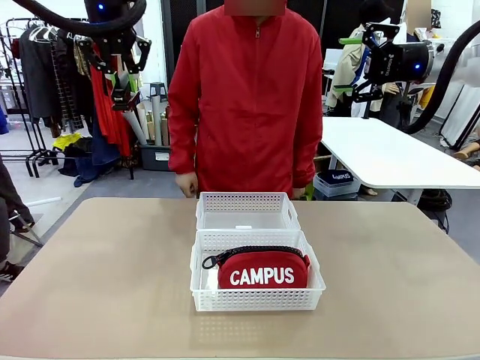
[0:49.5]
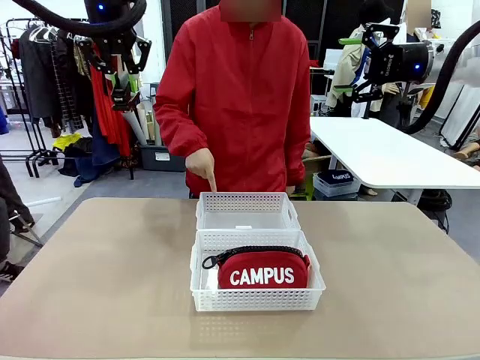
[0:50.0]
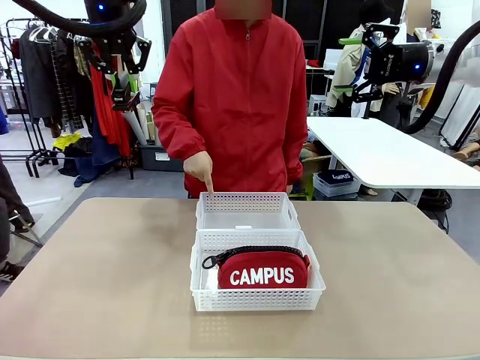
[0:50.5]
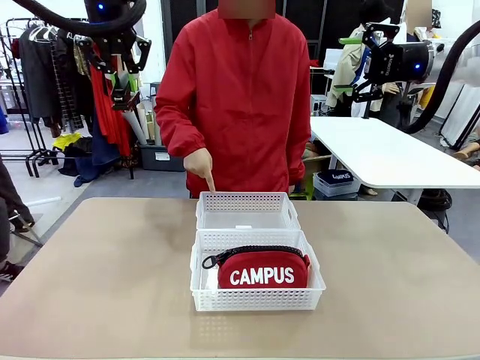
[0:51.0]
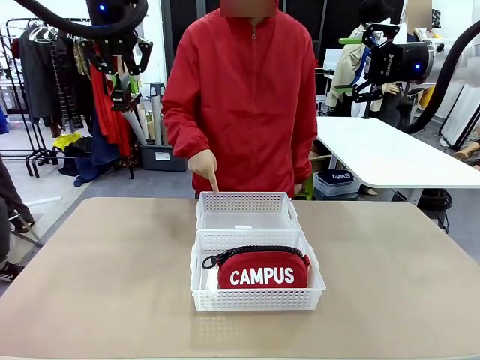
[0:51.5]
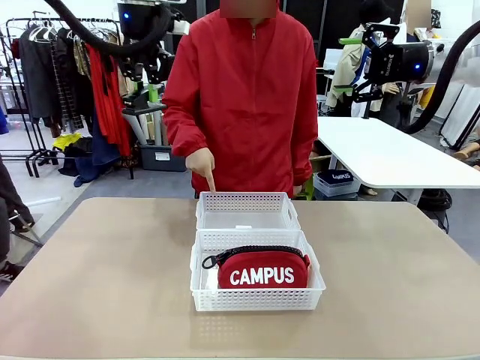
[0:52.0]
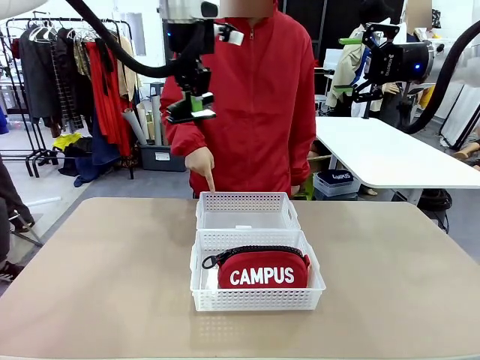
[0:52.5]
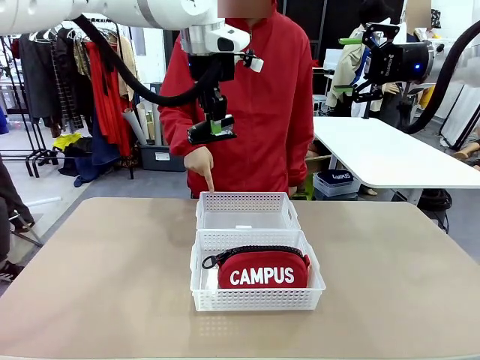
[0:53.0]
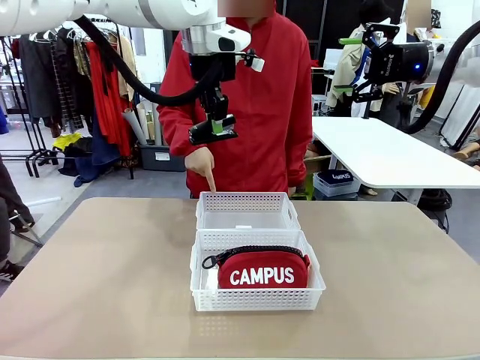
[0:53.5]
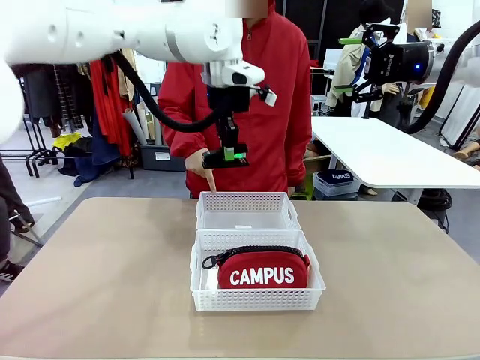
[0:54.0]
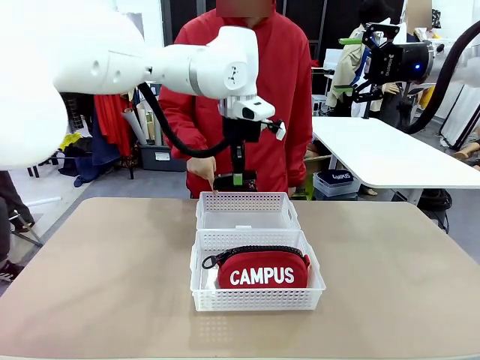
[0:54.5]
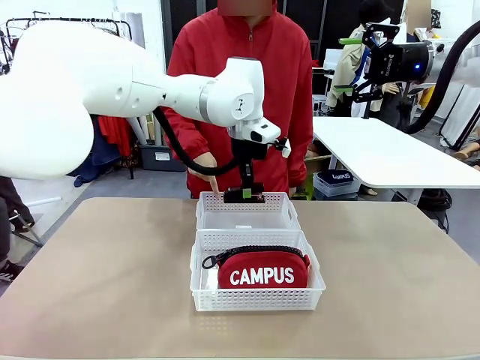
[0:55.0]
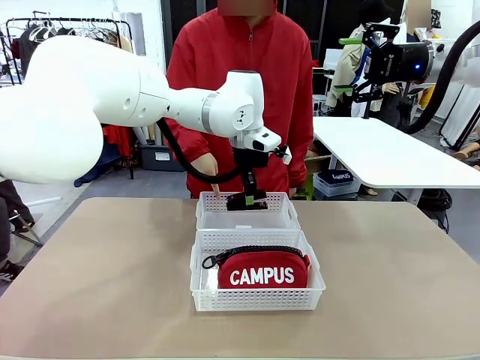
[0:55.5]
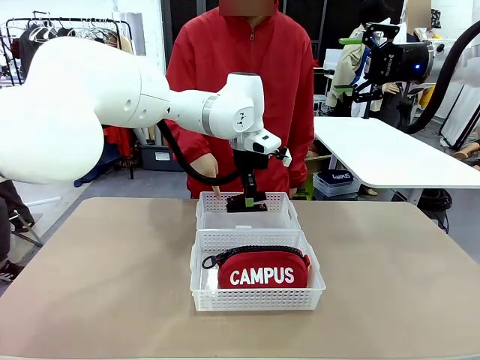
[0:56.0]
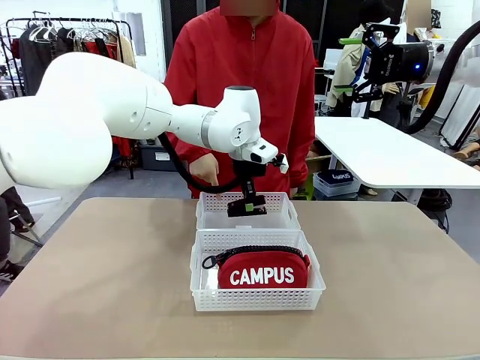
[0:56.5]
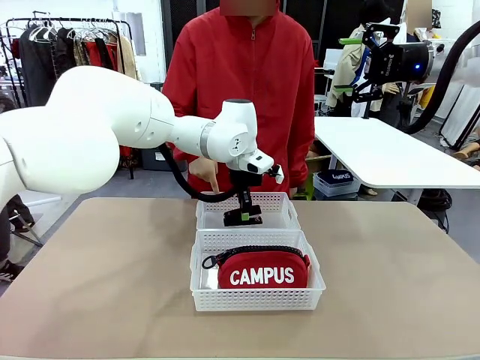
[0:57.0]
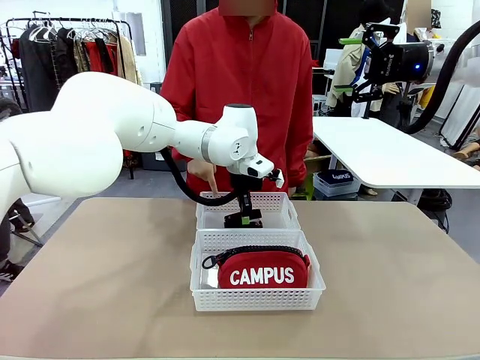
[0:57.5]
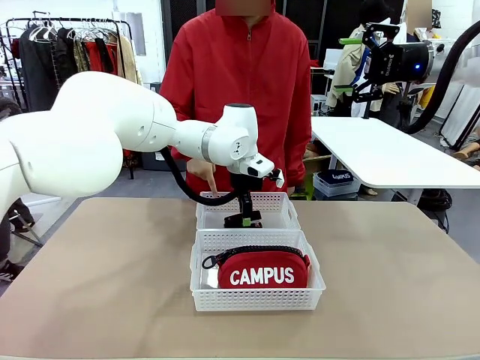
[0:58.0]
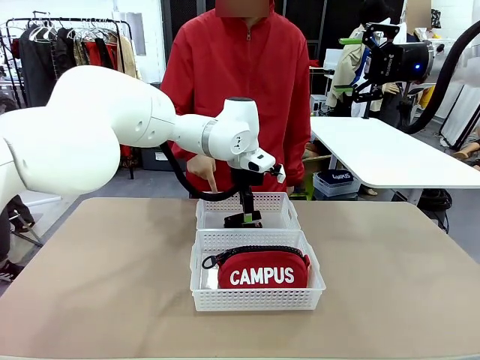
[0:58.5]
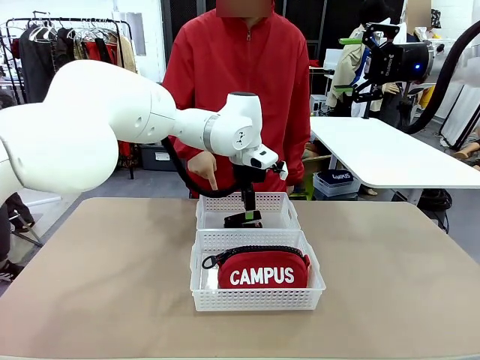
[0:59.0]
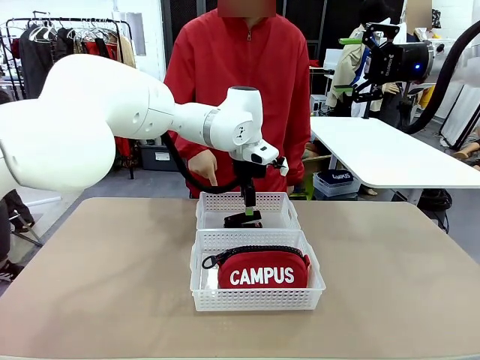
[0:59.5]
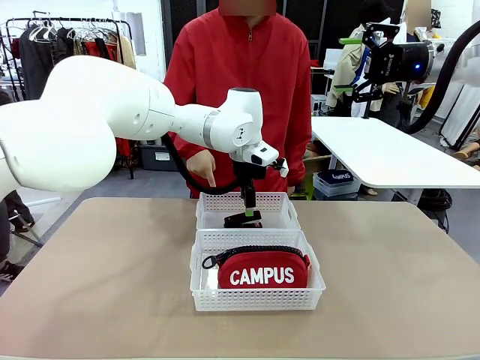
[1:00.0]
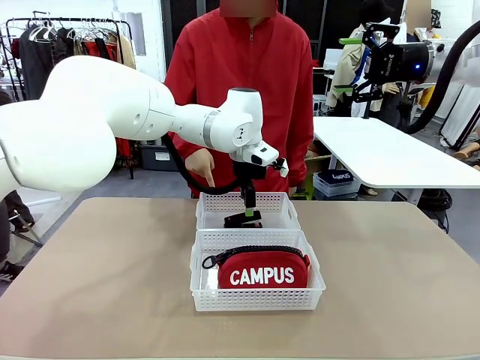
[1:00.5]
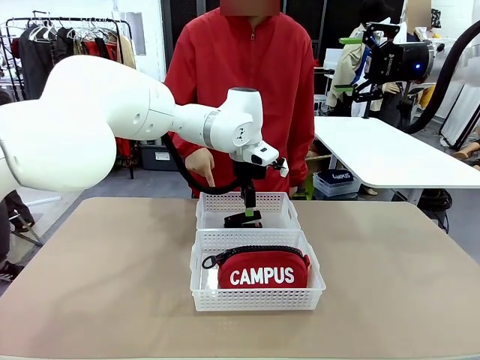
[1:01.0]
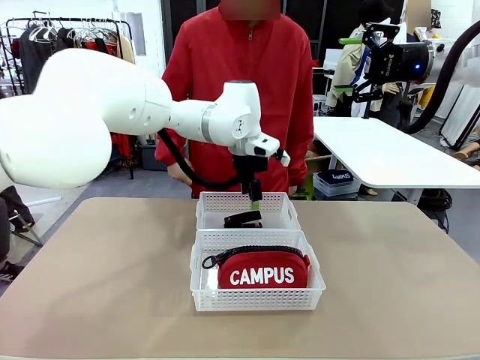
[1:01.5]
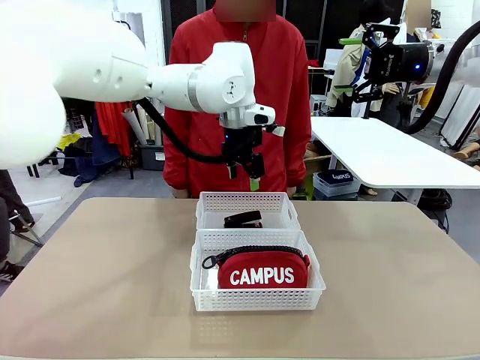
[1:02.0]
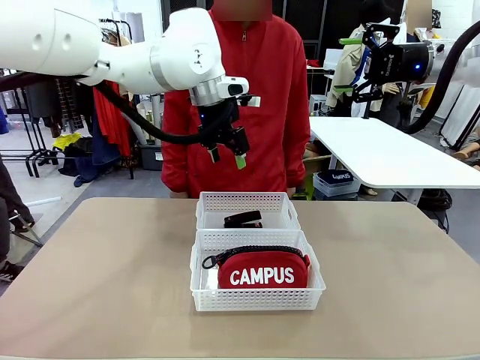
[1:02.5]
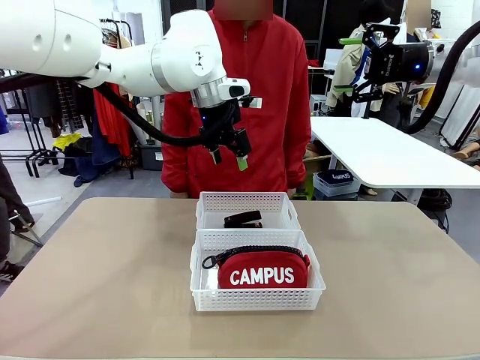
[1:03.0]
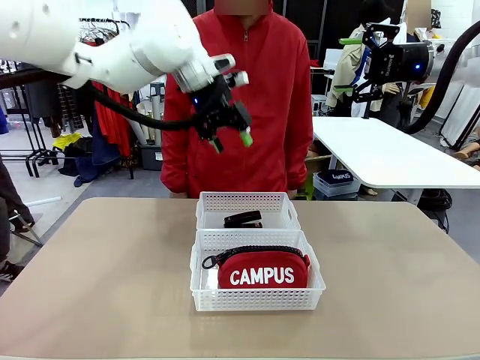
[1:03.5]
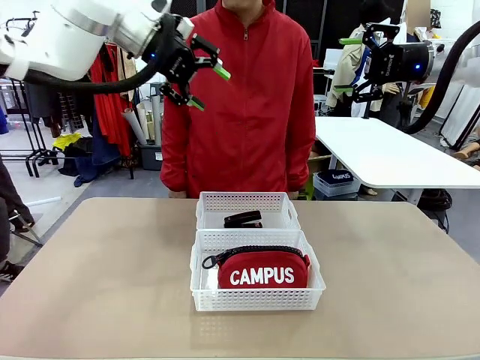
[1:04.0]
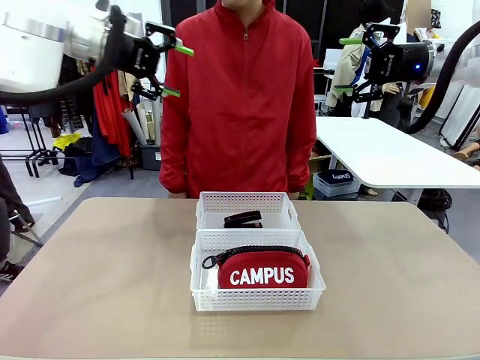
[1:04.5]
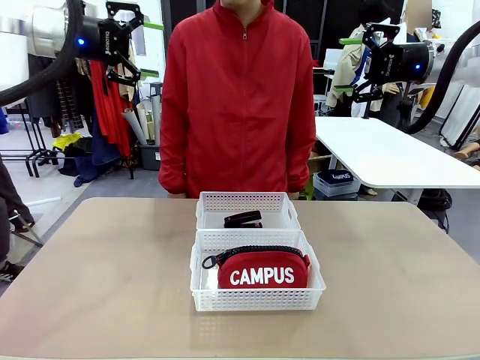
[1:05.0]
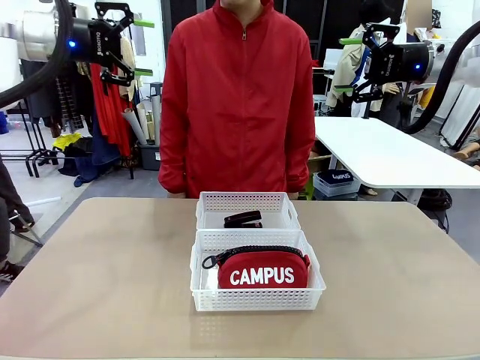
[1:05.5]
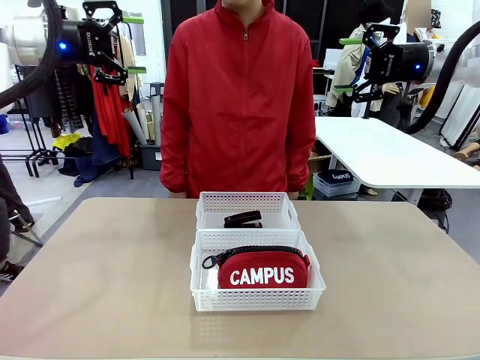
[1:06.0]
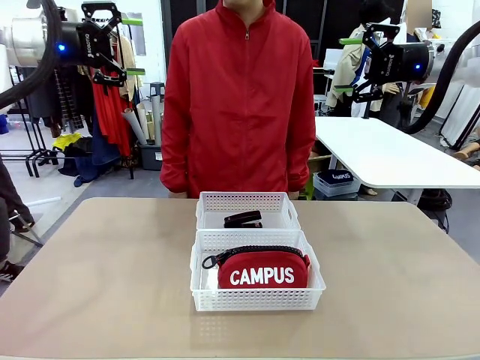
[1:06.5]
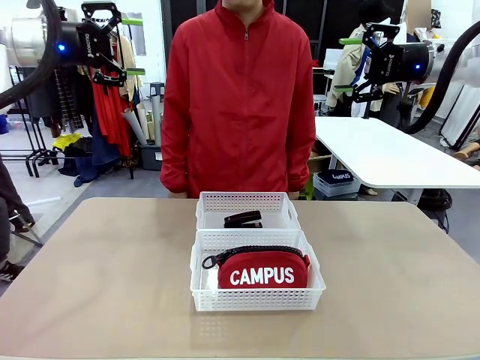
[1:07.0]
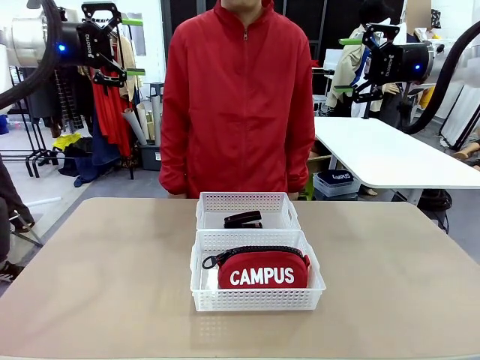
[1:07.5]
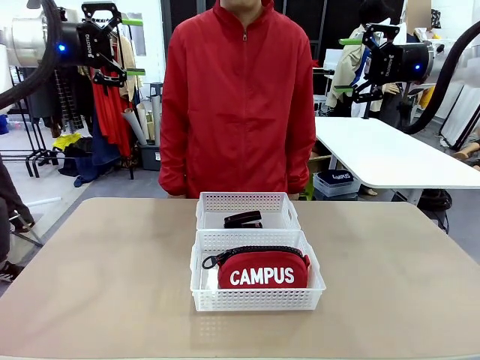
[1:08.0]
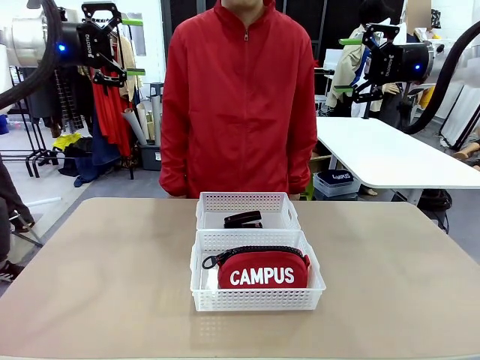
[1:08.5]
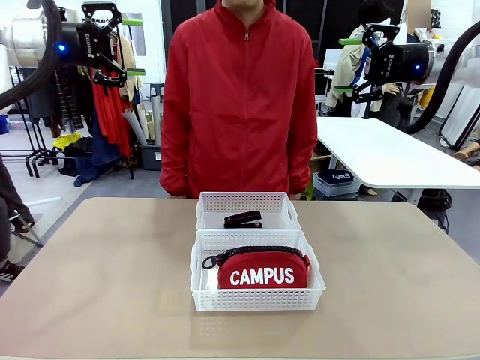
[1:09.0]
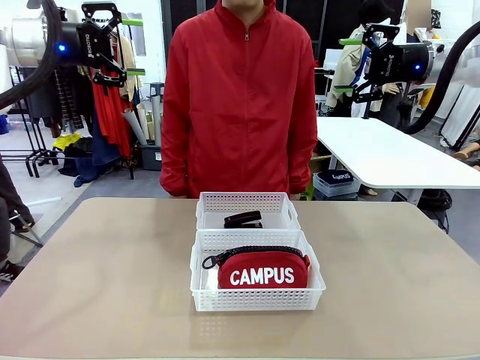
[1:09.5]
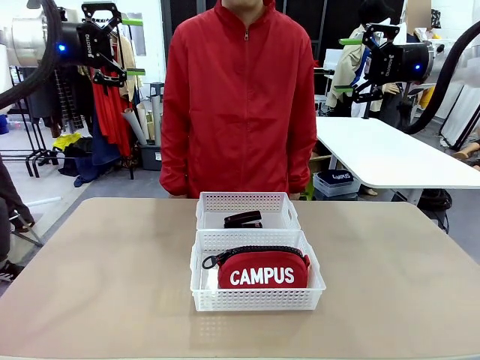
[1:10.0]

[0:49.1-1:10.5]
Task: Distribute items into two baskets.
Robot: Place the picked Stapler into the Organizing basket as instructed by the person.
Person: Points to the basket that does not contain the pencil case and instructs the robot to move the stapler there.

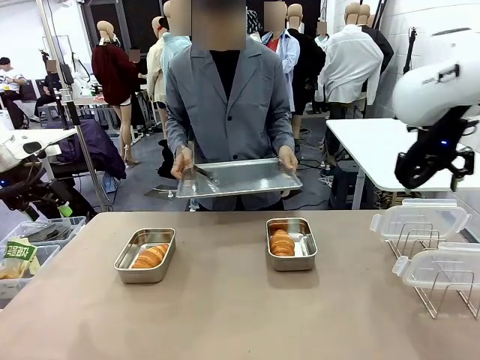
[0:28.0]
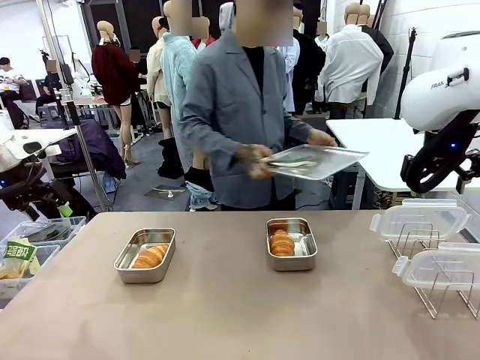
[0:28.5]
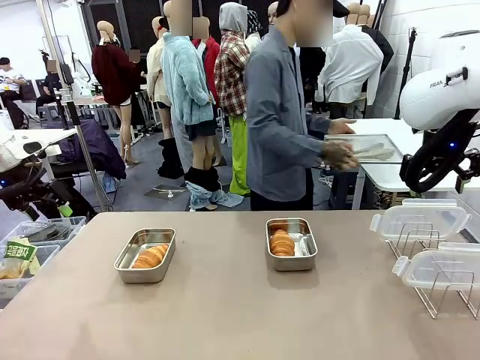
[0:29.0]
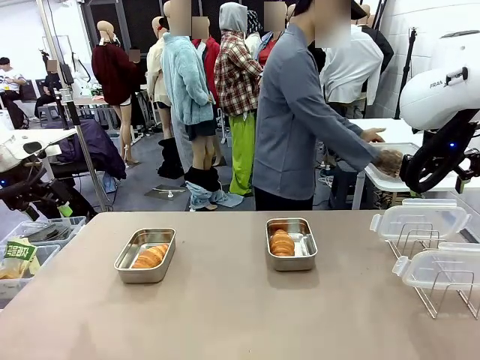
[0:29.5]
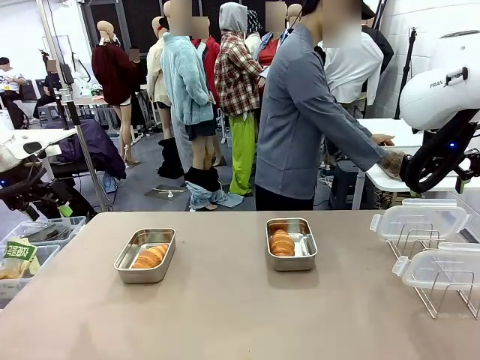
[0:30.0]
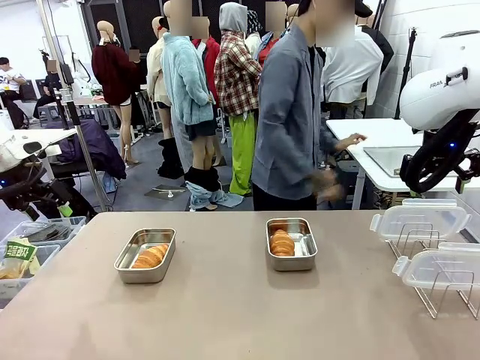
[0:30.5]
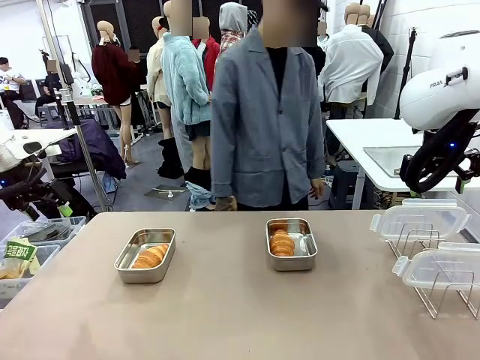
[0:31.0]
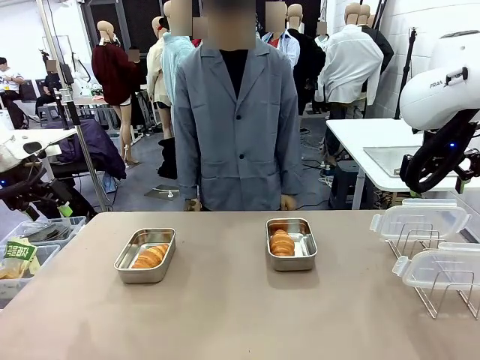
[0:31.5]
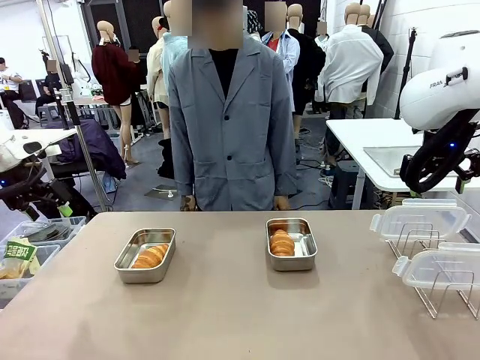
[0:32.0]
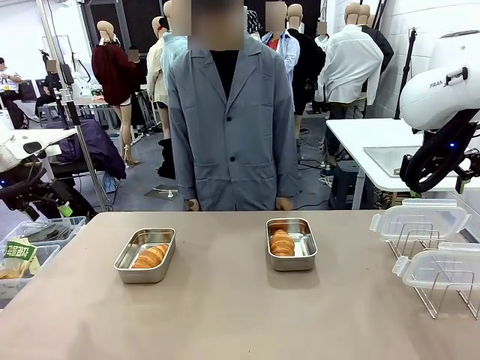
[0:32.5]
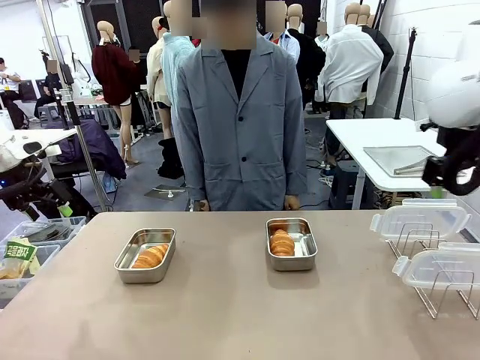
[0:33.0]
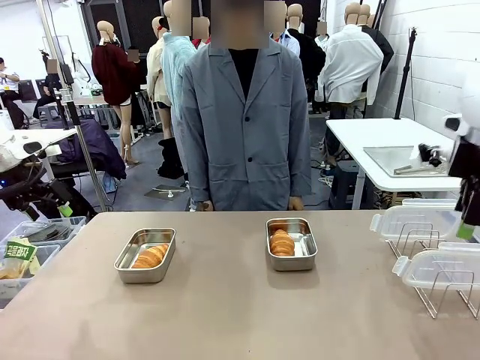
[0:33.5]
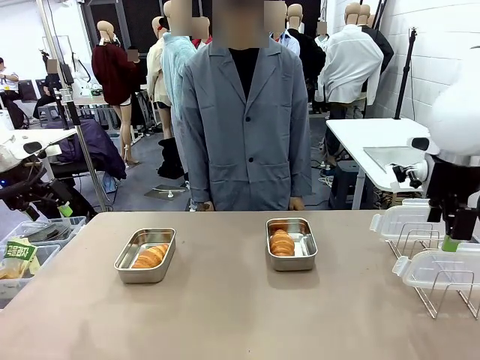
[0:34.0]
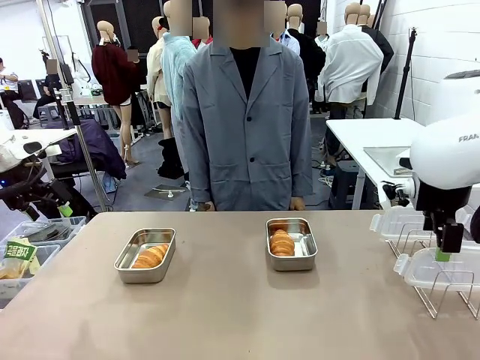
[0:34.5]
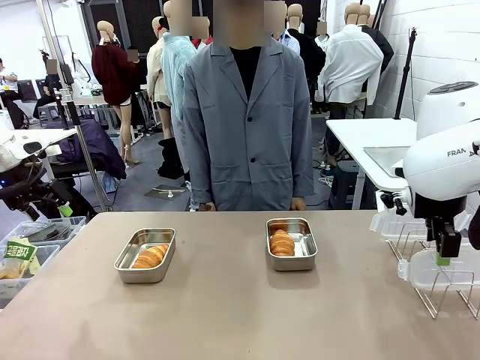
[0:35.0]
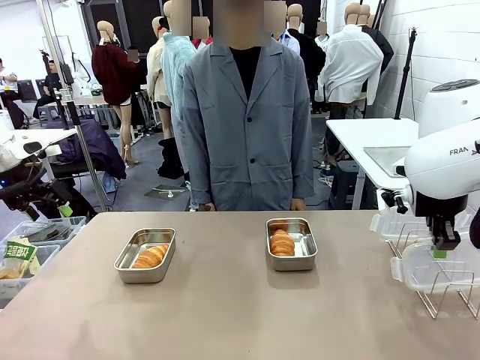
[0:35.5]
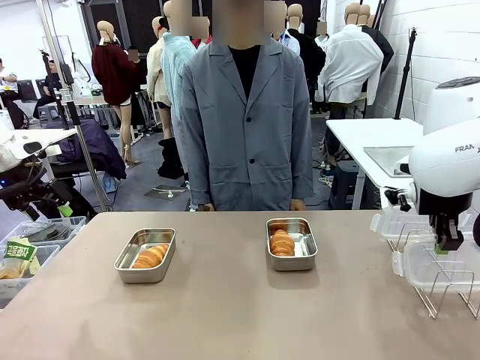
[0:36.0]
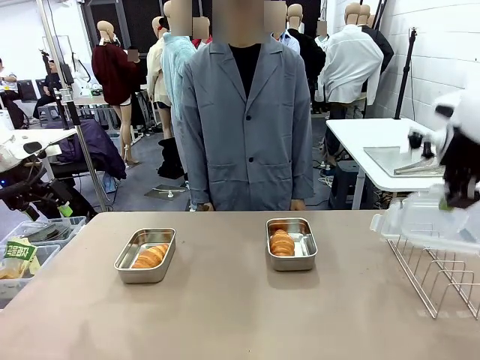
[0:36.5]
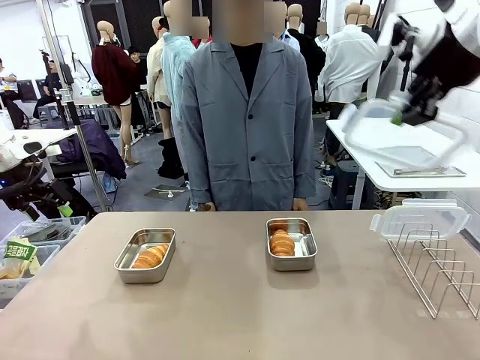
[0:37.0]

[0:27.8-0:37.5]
Task: Place the bread in airtight containers.
Robot: Pick up one Airtight Container lid and hand it to the human.
Person: Place Baking Sheet on the Human's Table. Grip Airtight Container lid that robot is handing.
